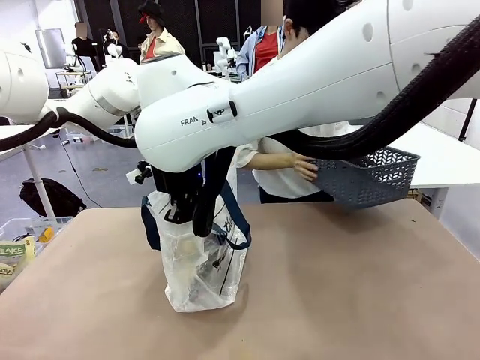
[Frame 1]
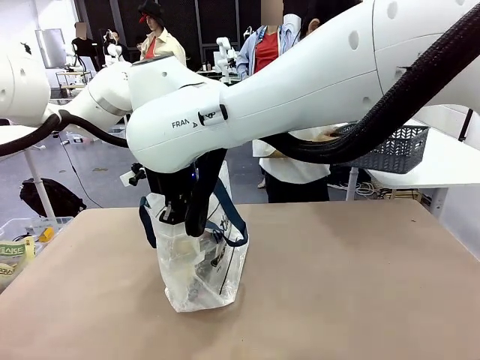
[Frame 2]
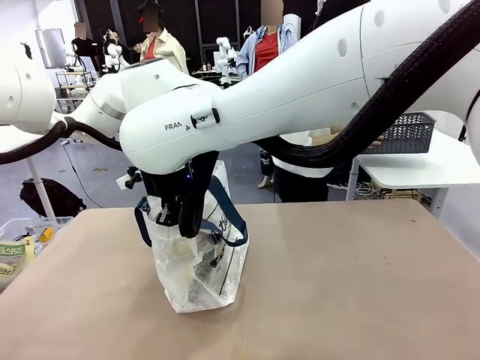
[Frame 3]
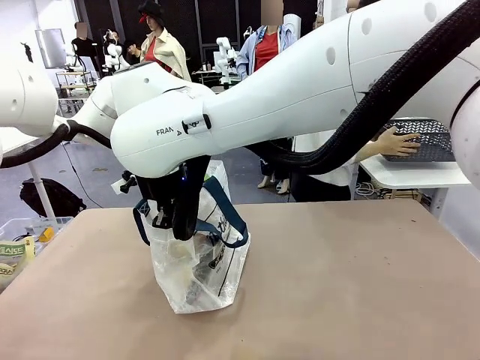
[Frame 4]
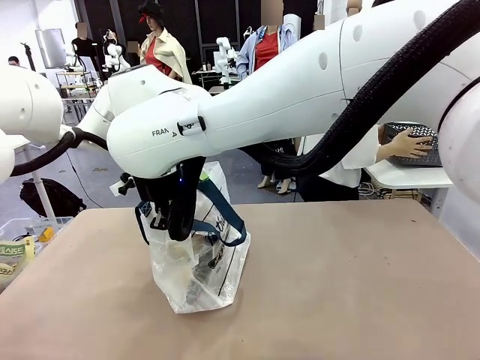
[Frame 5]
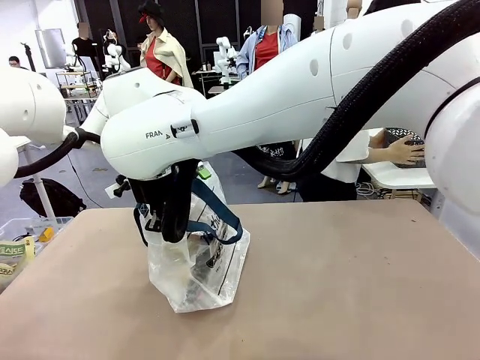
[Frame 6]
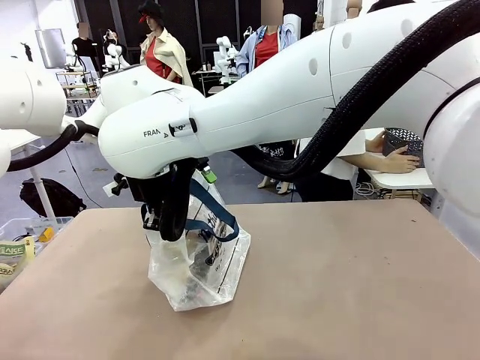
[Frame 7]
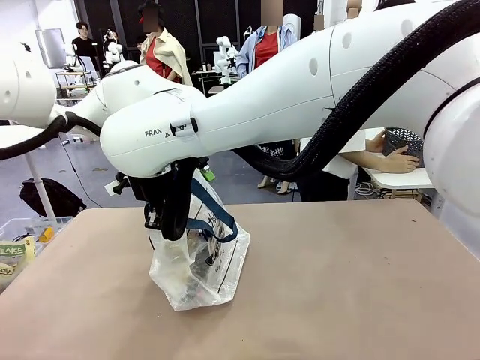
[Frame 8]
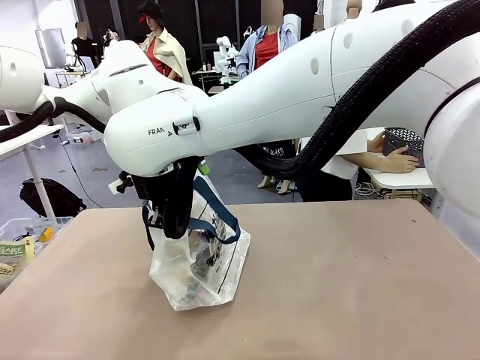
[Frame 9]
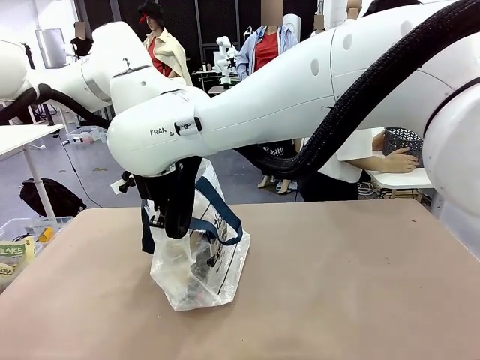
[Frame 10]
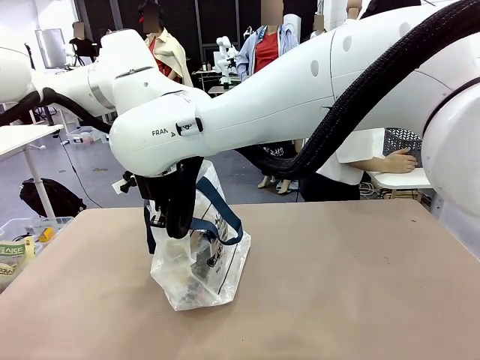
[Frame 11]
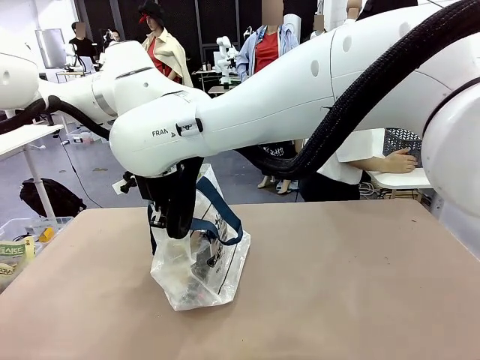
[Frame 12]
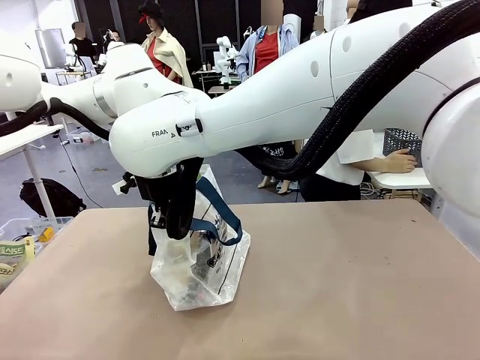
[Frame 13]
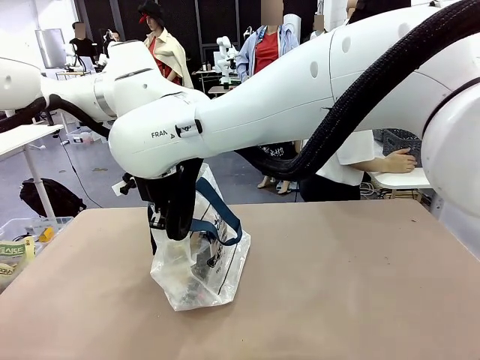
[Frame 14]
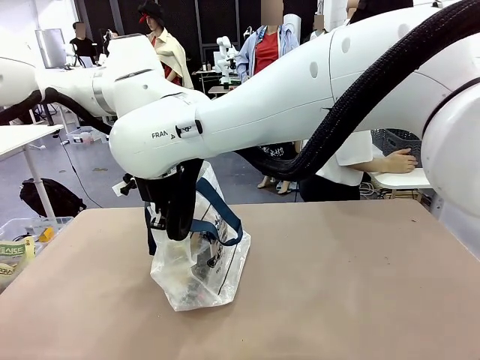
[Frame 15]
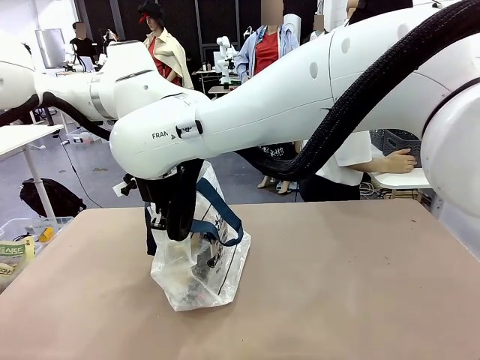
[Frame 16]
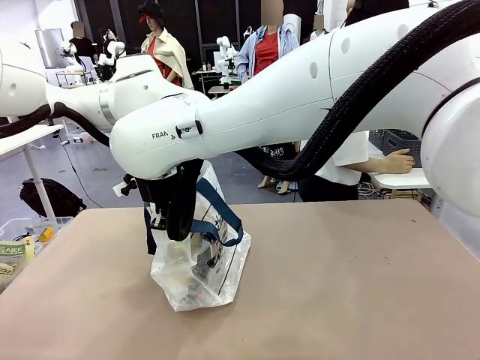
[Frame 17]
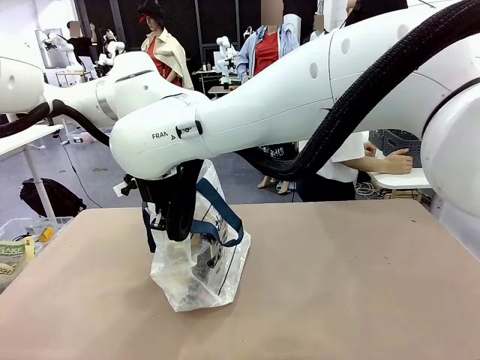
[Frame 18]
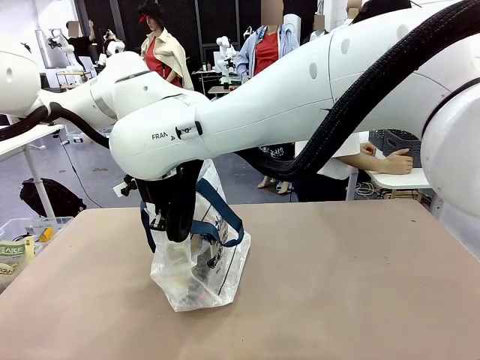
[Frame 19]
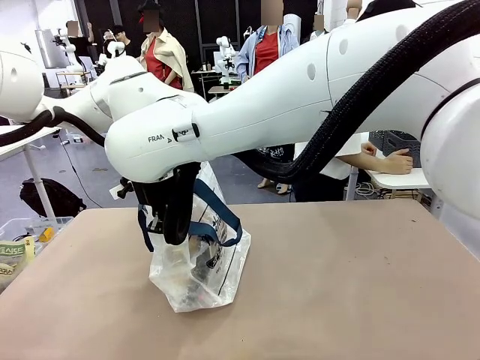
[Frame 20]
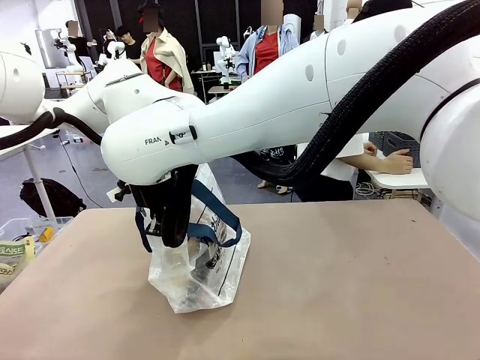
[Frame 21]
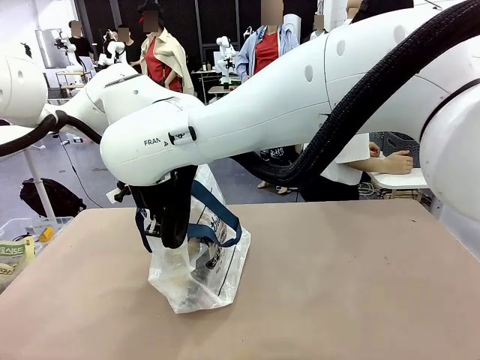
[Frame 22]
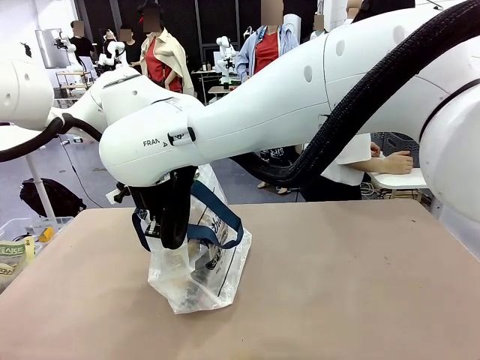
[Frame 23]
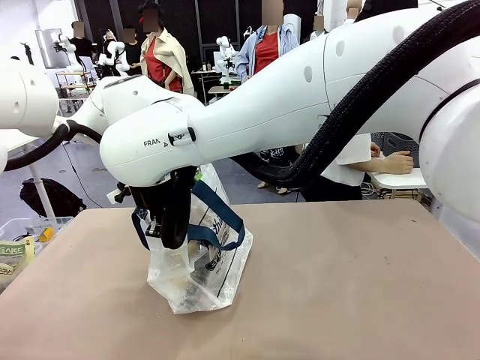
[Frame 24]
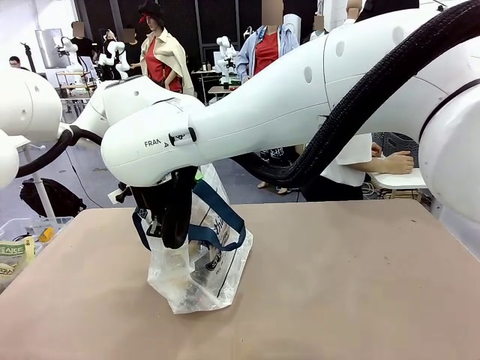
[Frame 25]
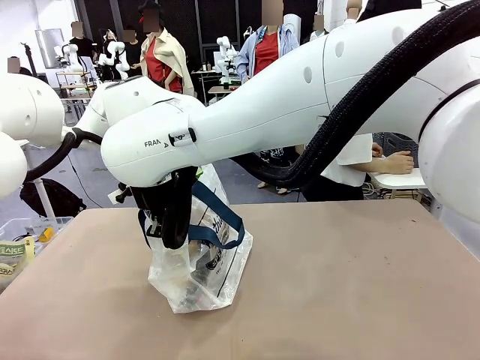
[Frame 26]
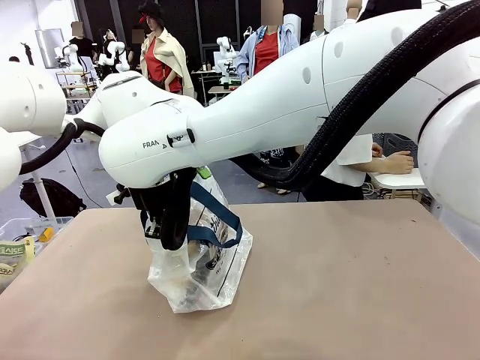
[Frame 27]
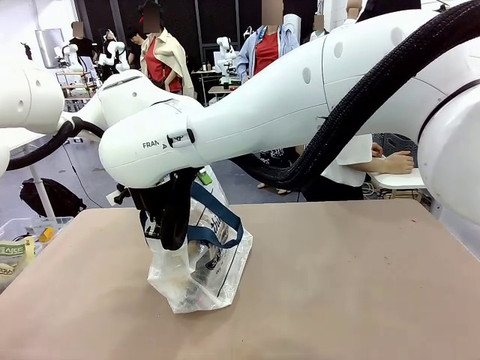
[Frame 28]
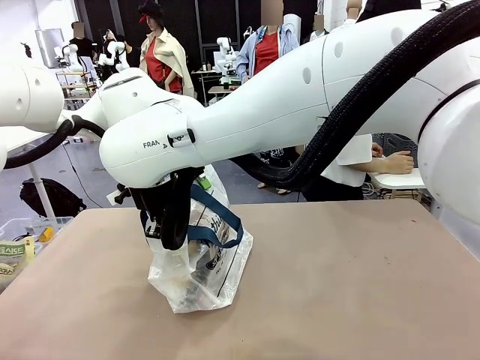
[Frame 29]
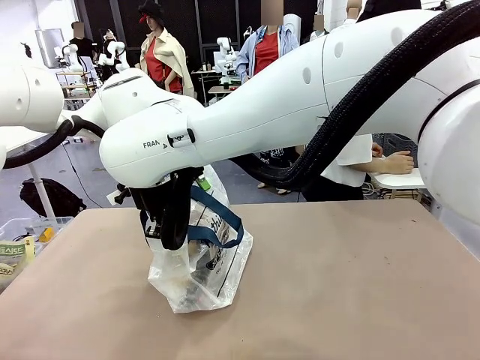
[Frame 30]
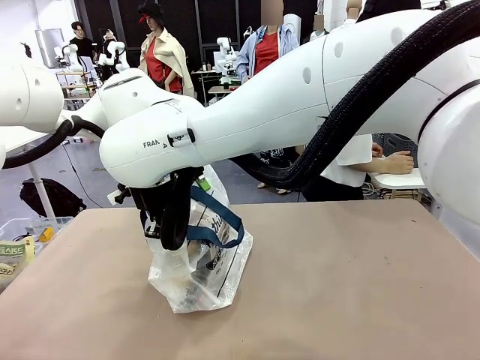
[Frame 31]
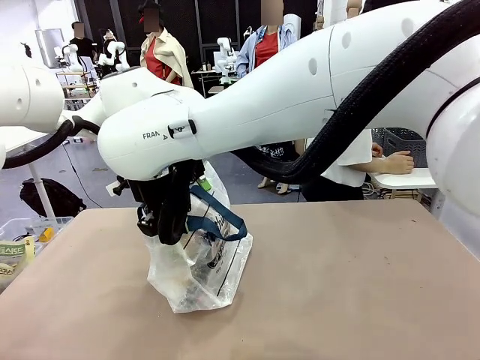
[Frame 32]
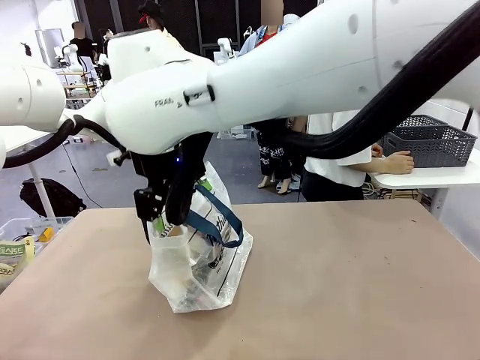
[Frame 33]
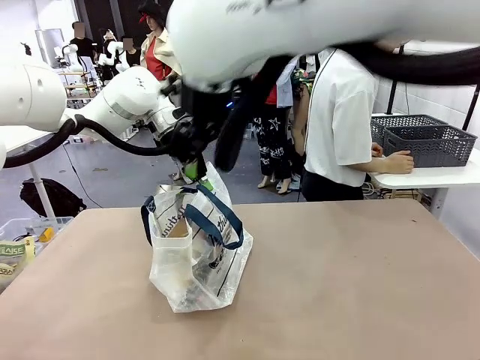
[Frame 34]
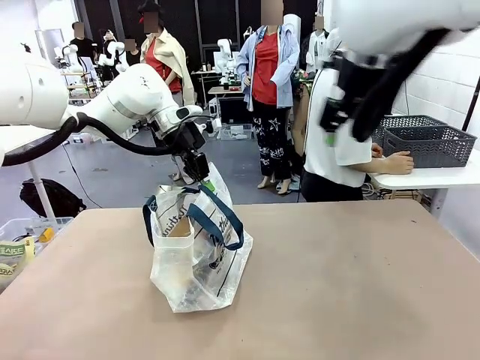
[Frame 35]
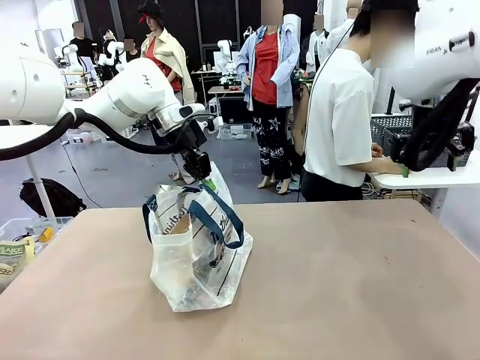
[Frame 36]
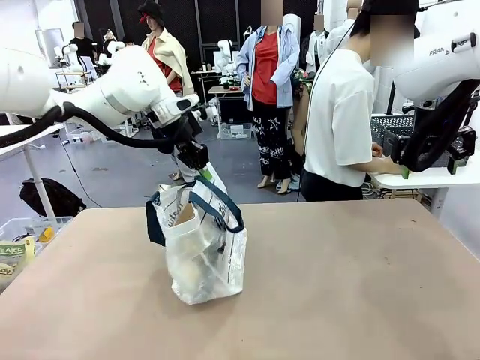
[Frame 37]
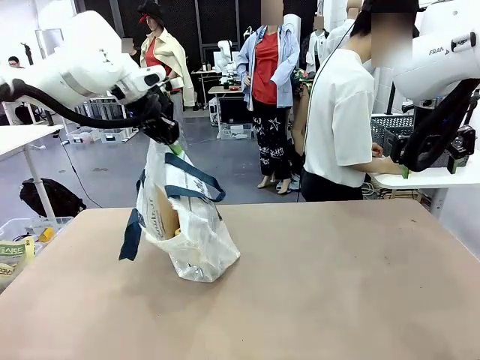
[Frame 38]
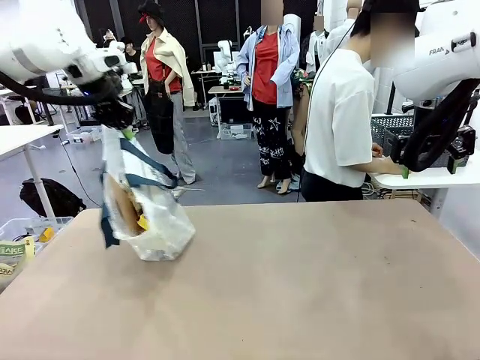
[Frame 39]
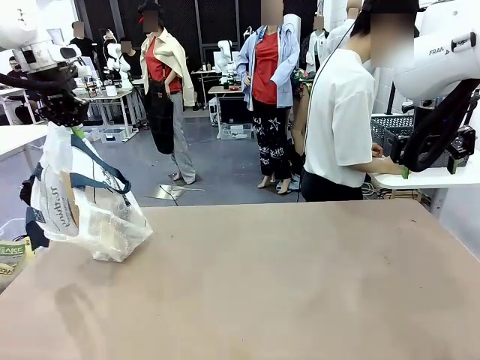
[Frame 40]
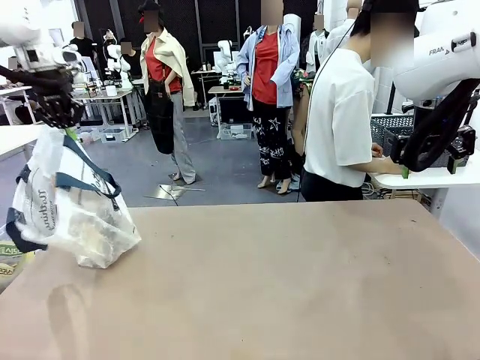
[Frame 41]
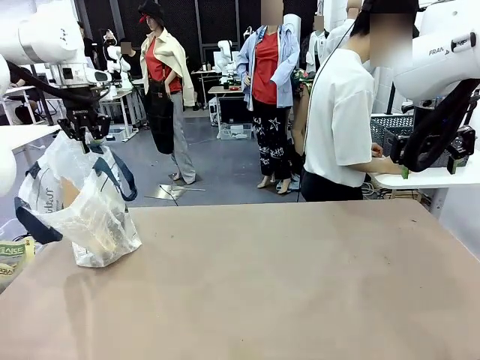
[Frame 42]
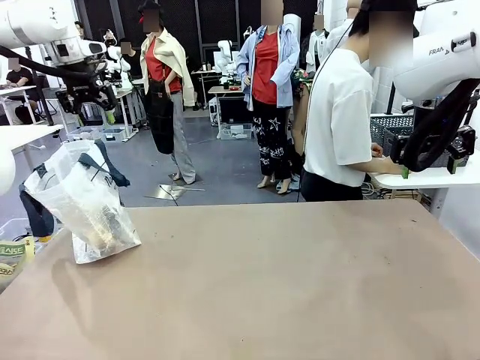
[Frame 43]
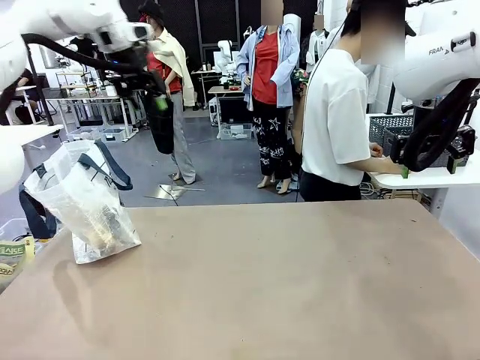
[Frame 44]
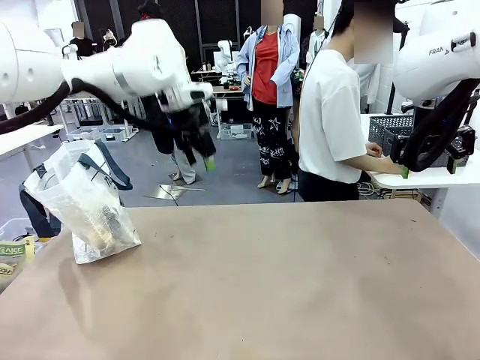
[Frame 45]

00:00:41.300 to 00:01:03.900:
Task: Transfer purchased items from the store into the shopping bag.
Robot: Move the Reusable shopping bag to the right side of the table.
Person: Move the basket on the left to the middle of the person's table.
